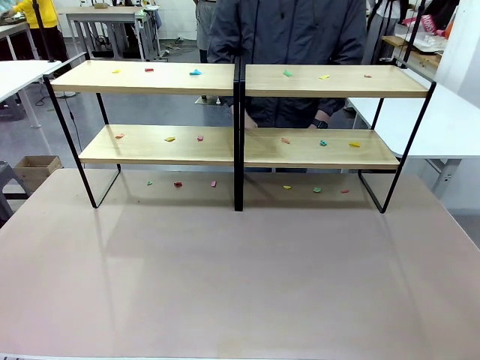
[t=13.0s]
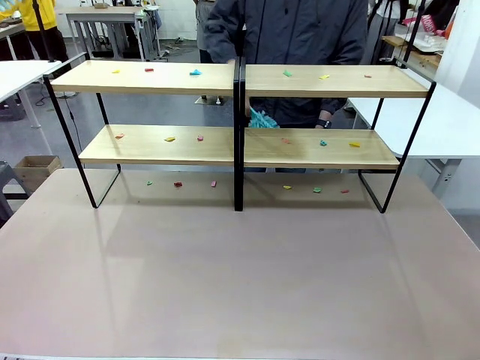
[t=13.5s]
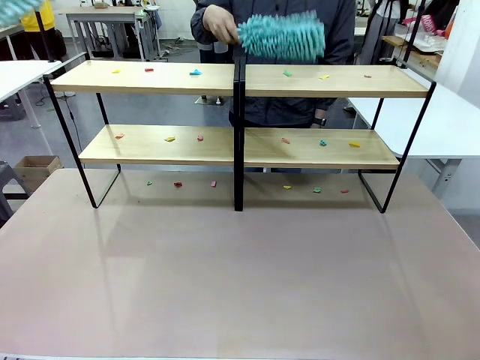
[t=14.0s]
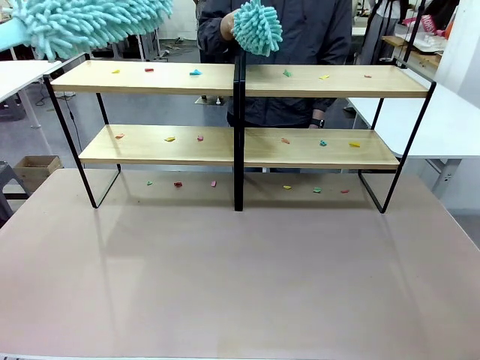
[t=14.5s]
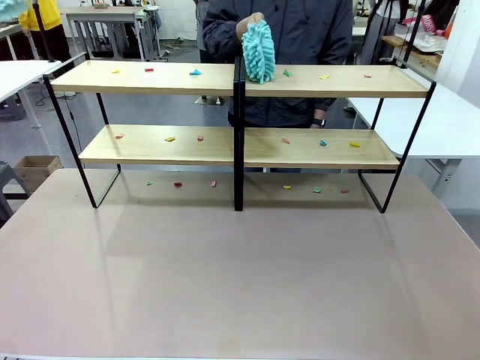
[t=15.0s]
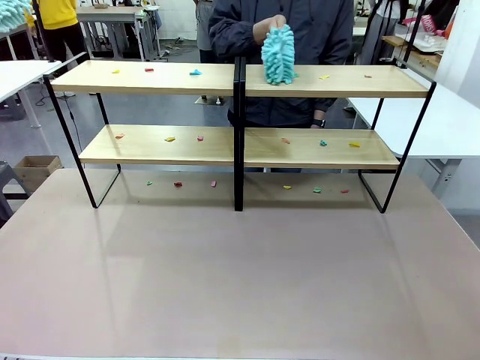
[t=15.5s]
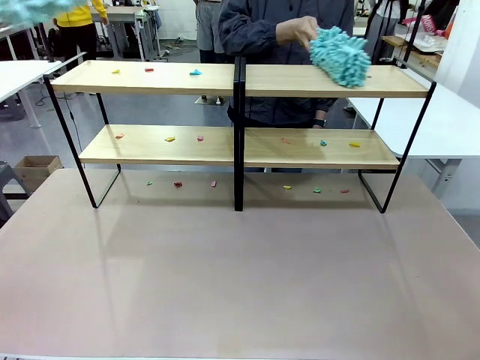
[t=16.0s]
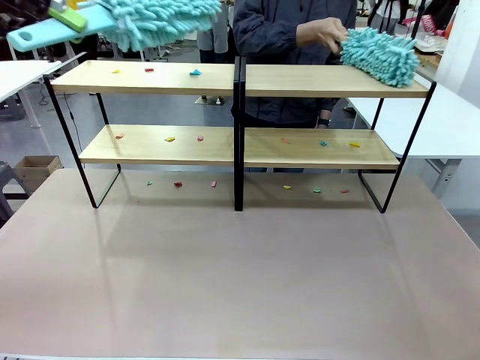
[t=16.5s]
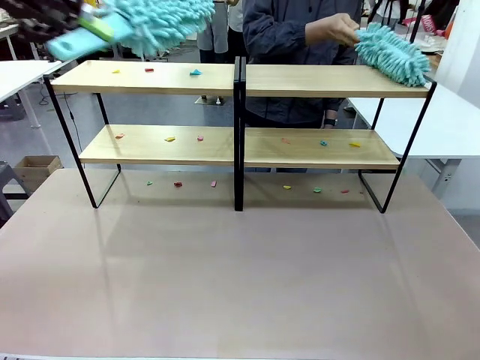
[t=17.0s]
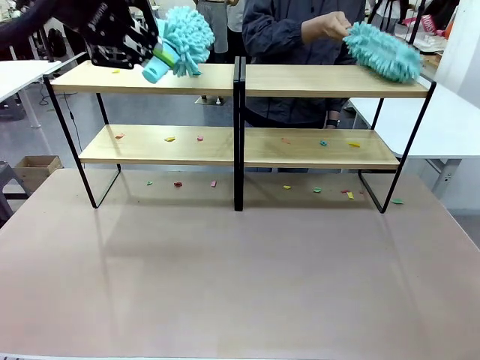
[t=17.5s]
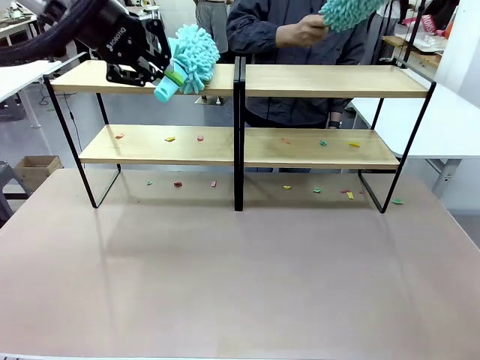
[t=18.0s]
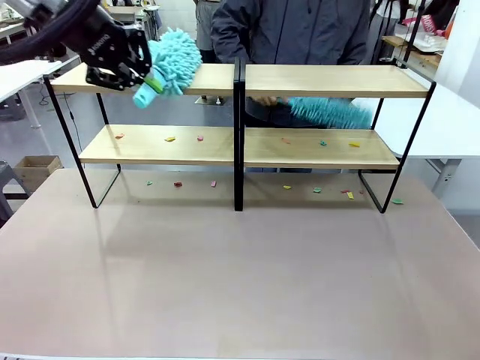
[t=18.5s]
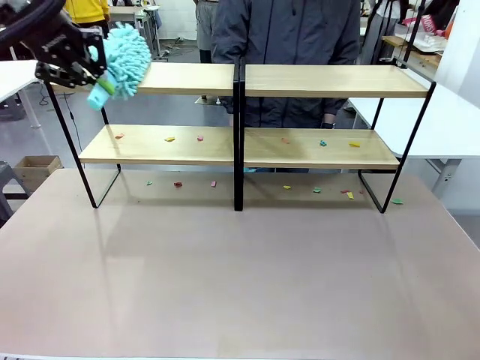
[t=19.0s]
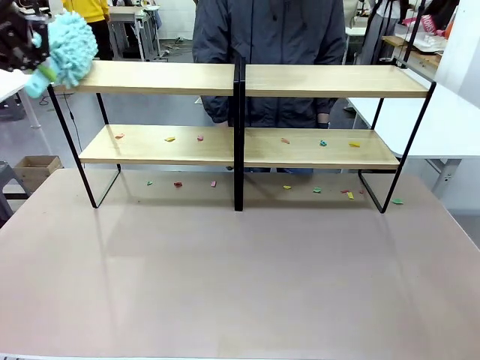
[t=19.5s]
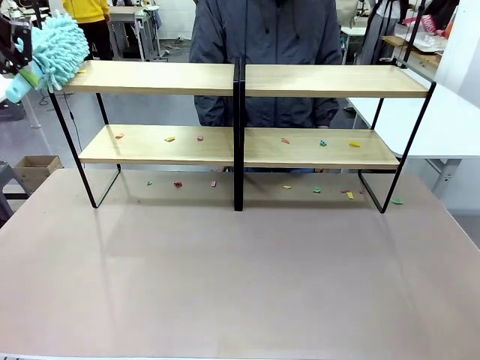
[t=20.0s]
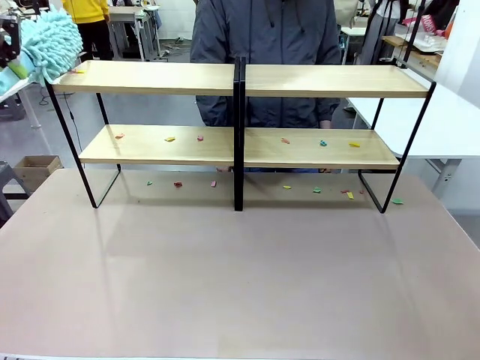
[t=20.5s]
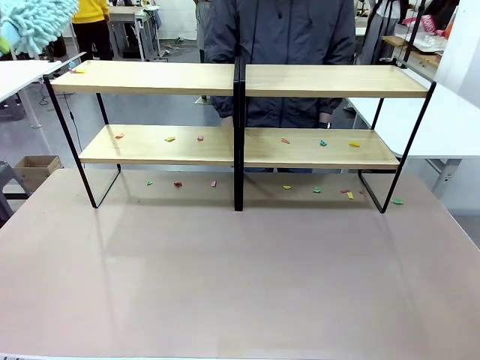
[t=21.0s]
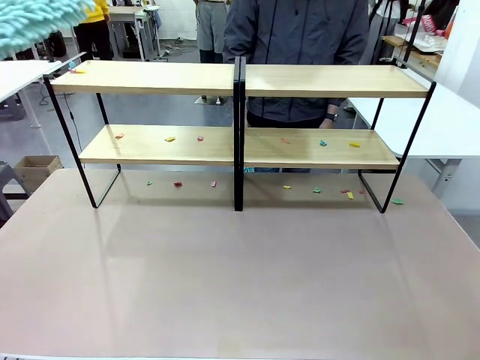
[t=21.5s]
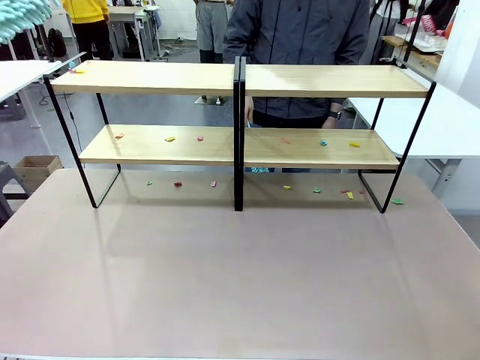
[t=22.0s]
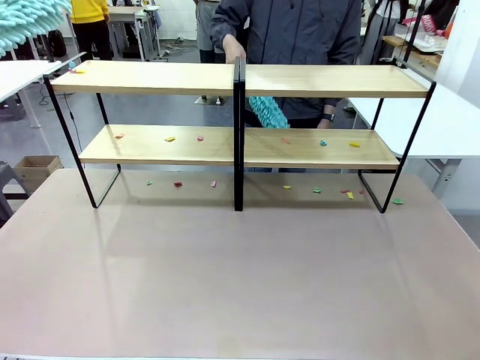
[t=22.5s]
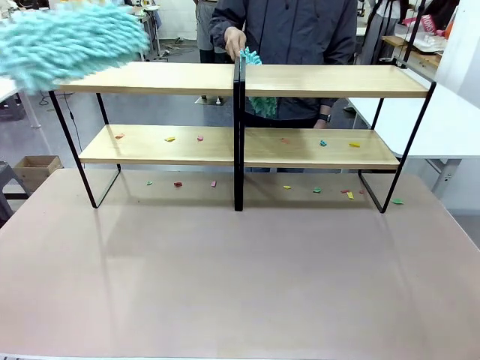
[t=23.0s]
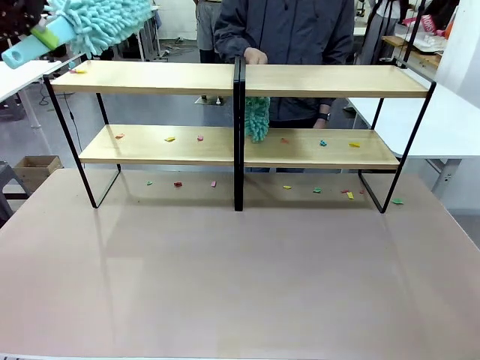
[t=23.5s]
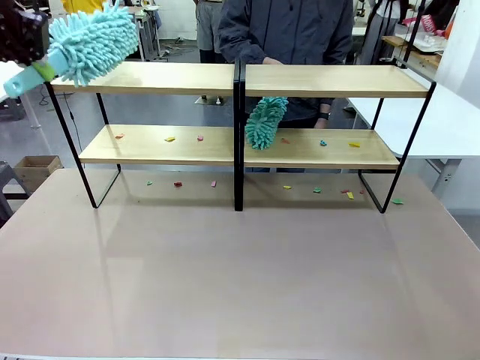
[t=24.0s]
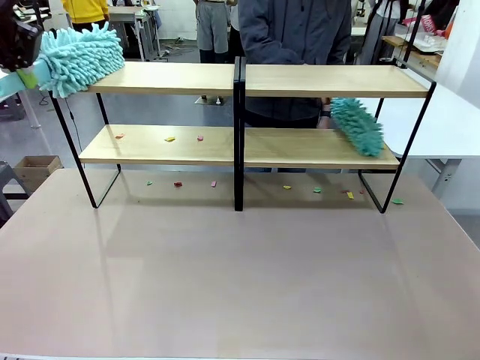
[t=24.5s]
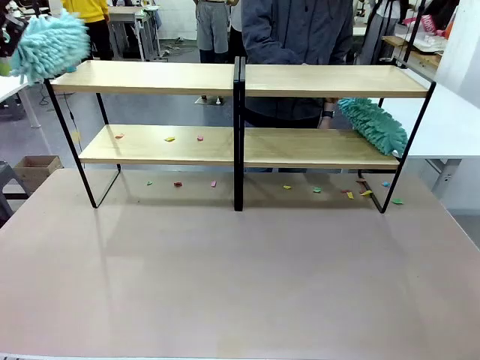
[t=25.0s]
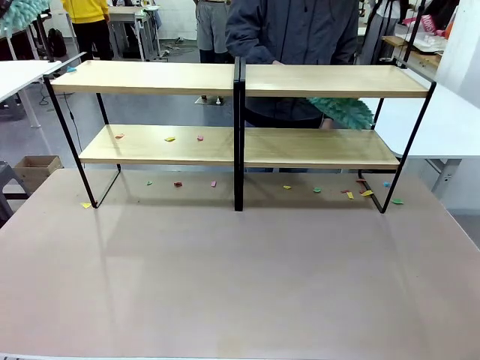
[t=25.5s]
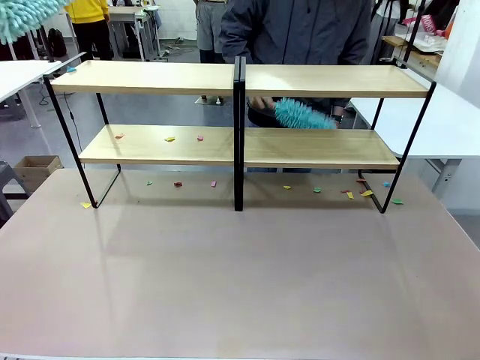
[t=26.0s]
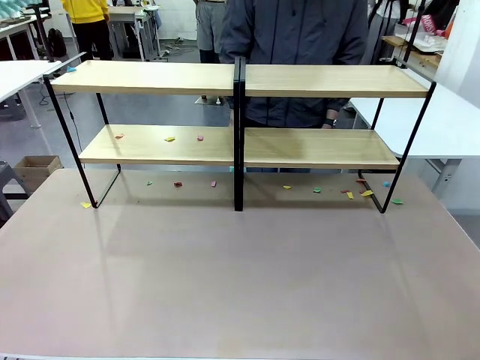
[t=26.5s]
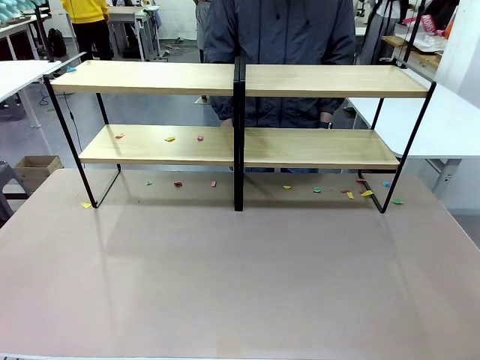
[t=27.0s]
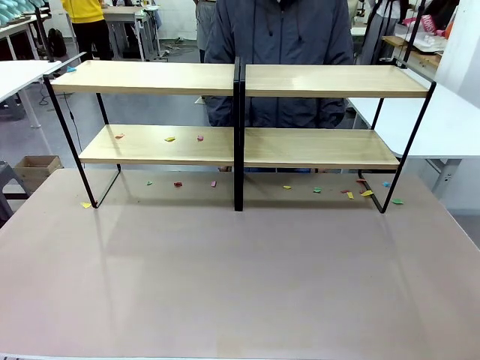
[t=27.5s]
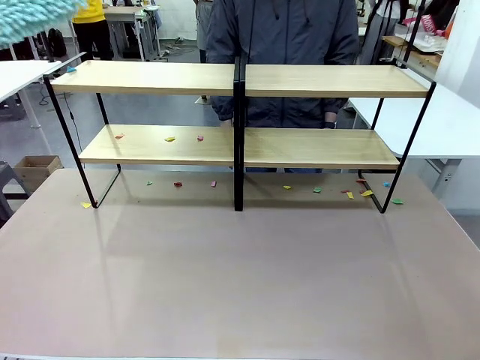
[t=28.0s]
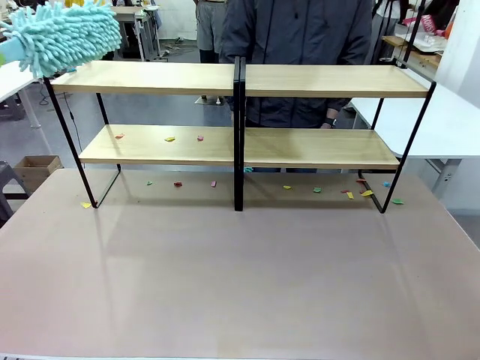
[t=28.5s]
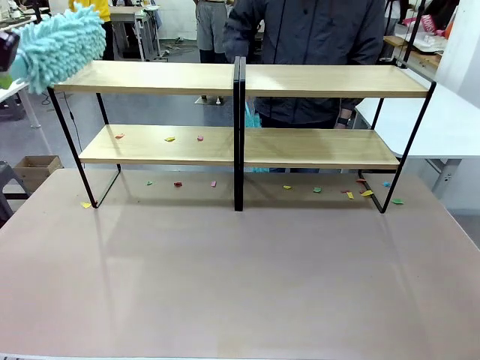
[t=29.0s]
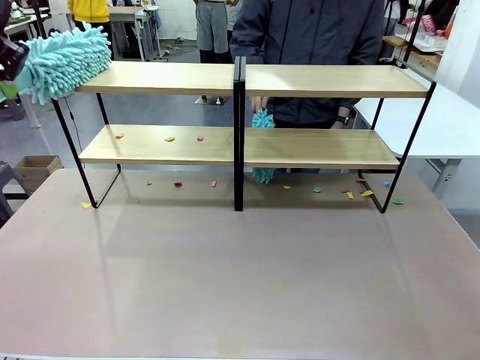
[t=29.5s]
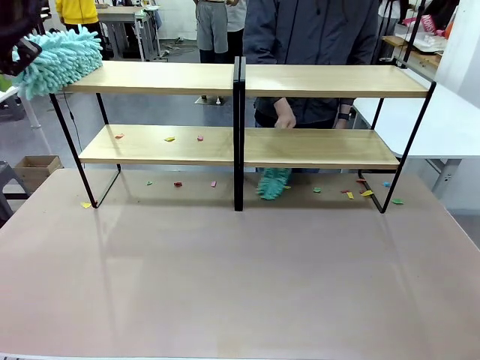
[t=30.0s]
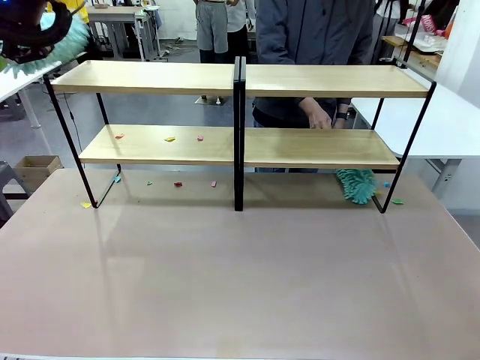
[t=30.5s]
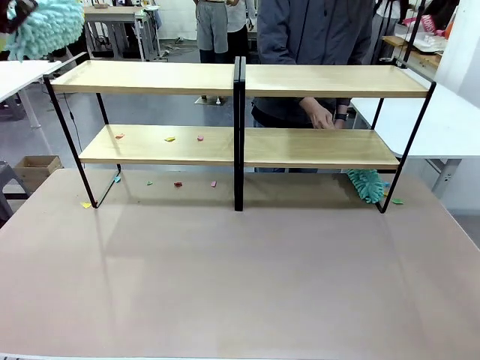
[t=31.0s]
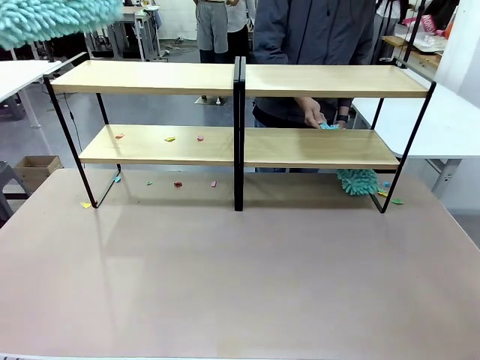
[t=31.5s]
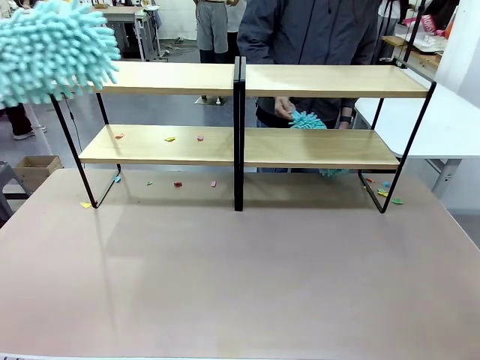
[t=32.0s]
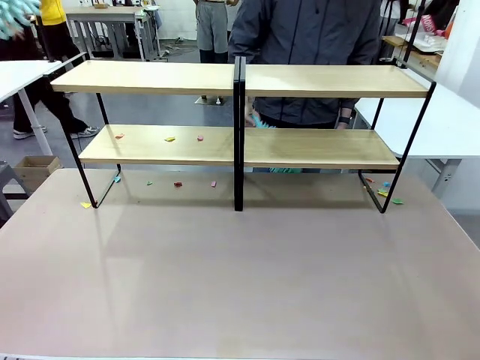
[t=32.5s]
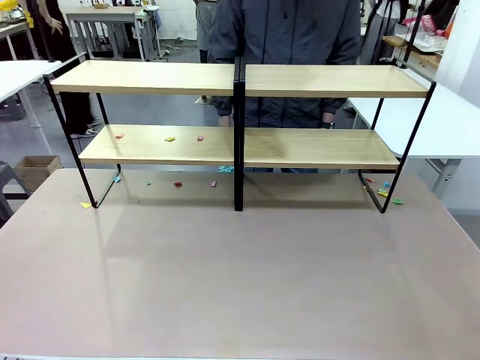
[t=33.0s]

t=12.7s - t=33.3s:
Task: Clean the shelves.
Robot: Clean a randomly selected level of the Shelf with the Duster.
Person: Clean a randomly selected level of the Shelf with the Duster.
